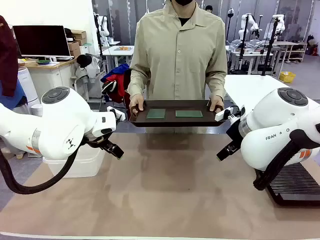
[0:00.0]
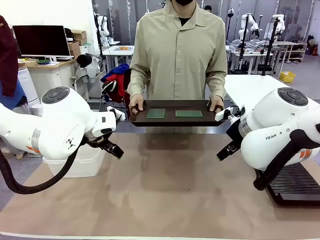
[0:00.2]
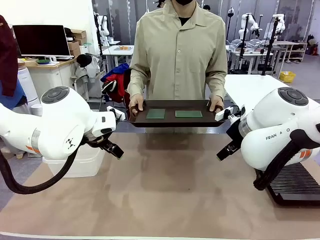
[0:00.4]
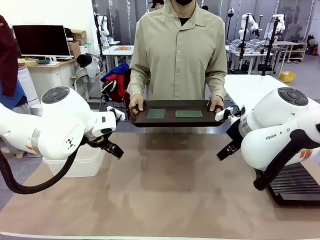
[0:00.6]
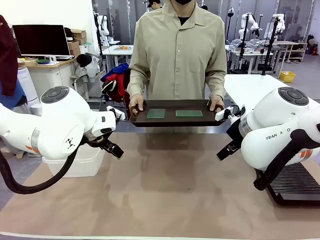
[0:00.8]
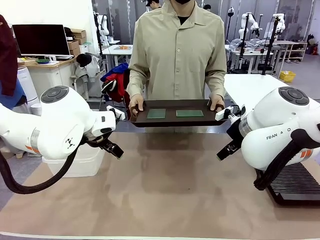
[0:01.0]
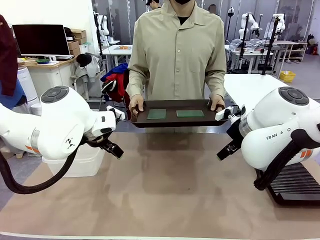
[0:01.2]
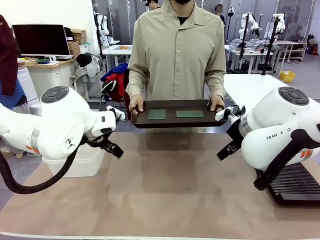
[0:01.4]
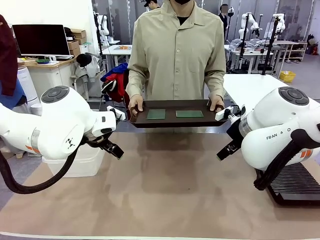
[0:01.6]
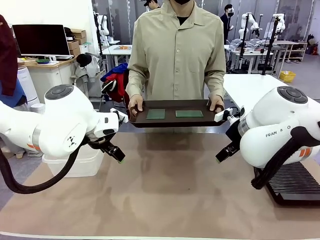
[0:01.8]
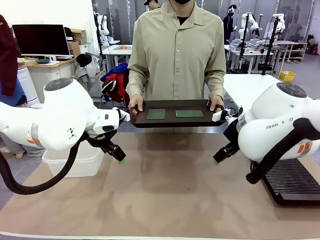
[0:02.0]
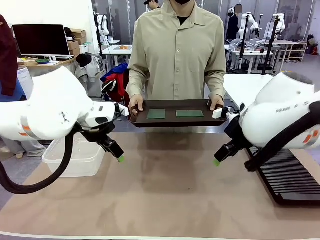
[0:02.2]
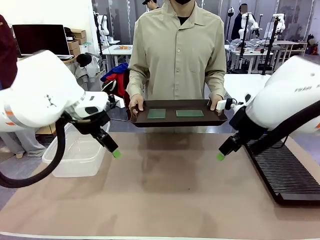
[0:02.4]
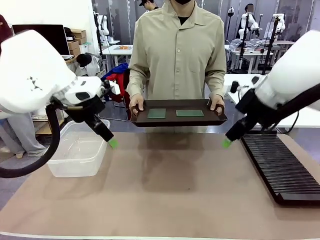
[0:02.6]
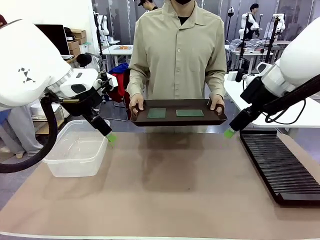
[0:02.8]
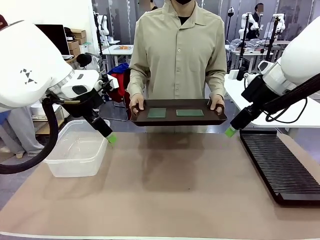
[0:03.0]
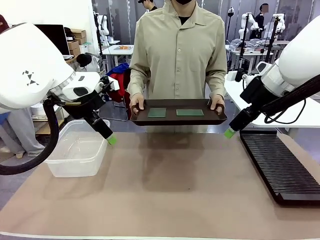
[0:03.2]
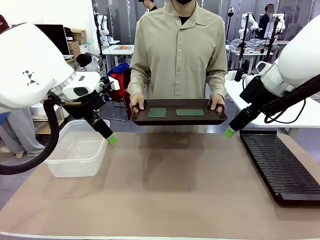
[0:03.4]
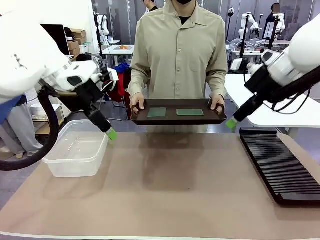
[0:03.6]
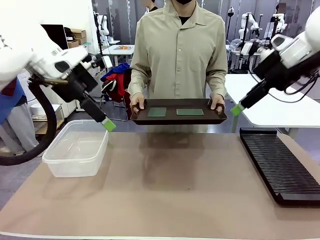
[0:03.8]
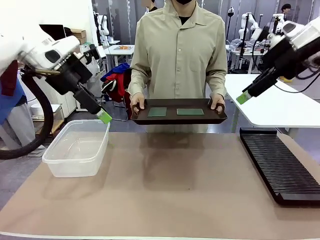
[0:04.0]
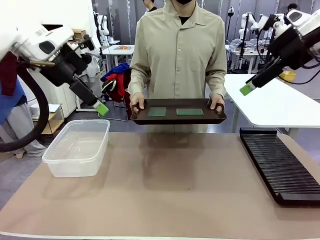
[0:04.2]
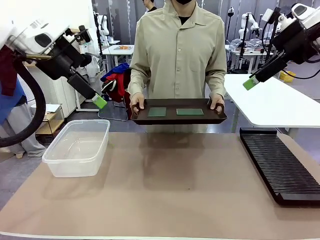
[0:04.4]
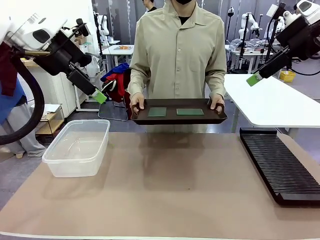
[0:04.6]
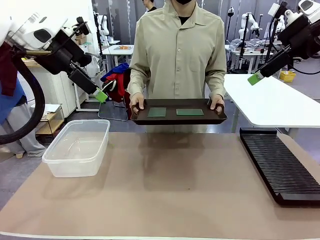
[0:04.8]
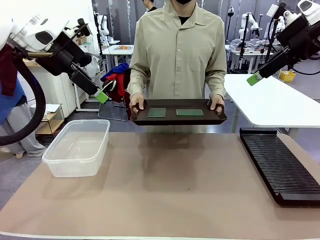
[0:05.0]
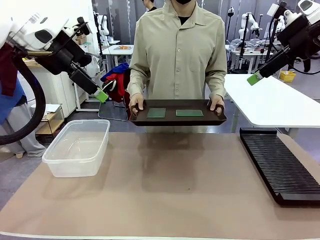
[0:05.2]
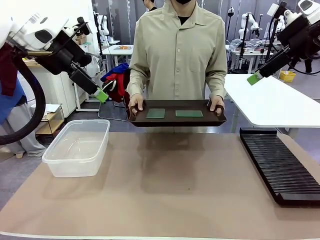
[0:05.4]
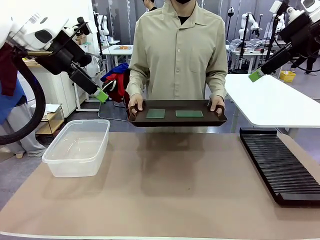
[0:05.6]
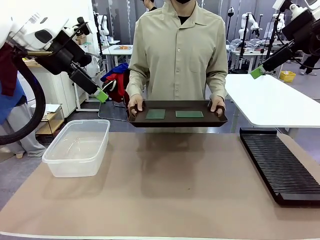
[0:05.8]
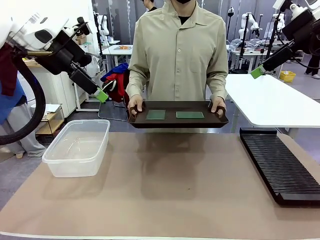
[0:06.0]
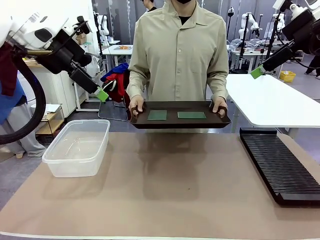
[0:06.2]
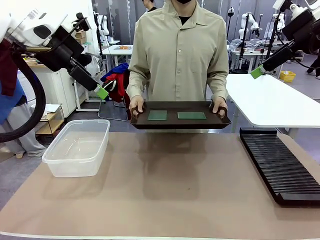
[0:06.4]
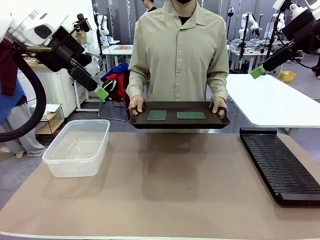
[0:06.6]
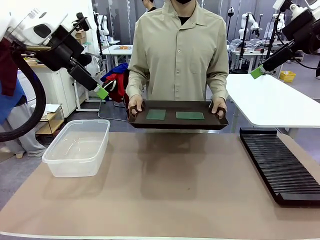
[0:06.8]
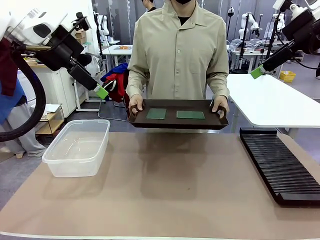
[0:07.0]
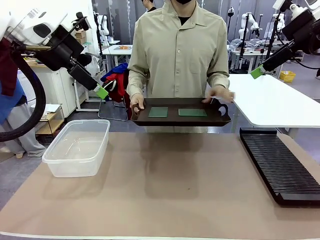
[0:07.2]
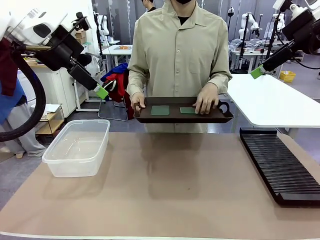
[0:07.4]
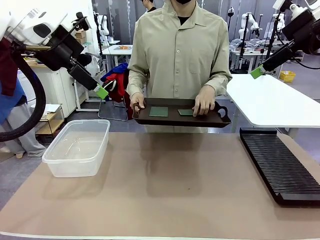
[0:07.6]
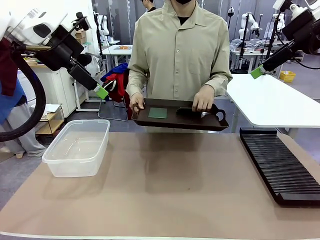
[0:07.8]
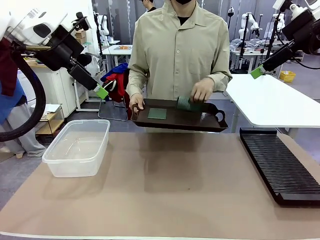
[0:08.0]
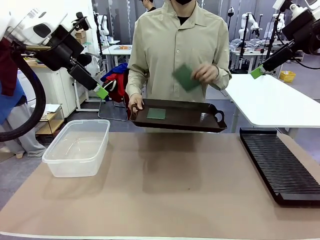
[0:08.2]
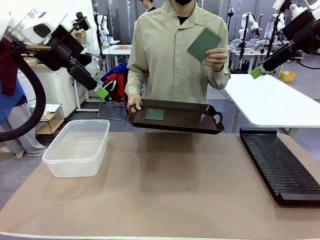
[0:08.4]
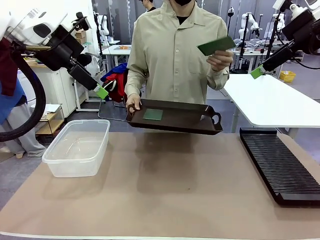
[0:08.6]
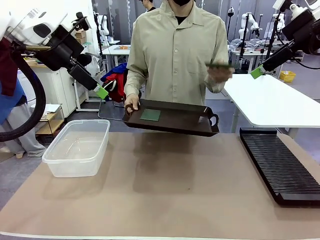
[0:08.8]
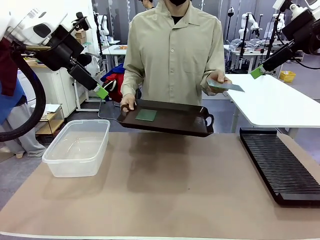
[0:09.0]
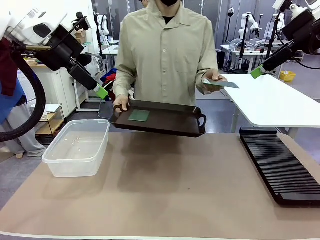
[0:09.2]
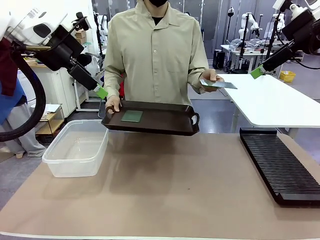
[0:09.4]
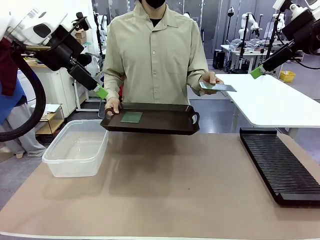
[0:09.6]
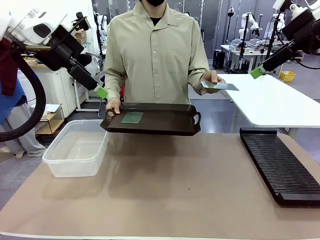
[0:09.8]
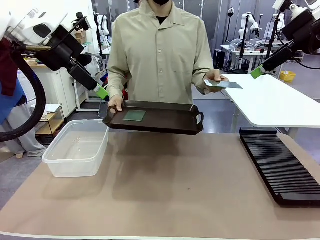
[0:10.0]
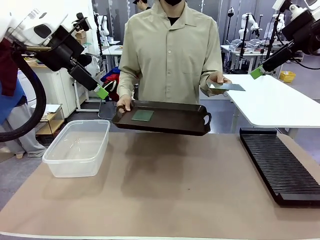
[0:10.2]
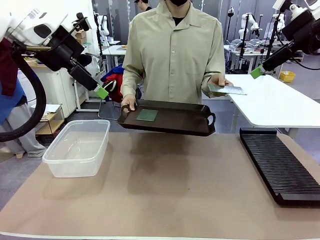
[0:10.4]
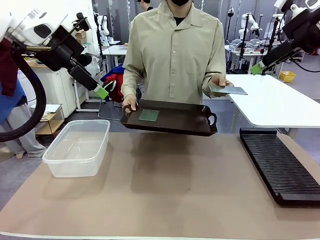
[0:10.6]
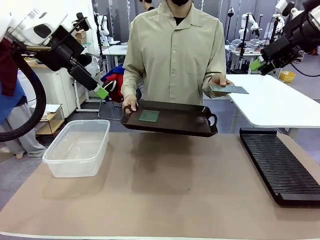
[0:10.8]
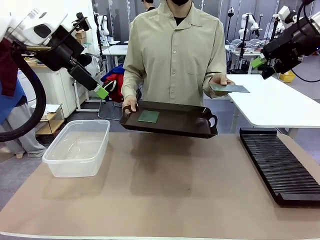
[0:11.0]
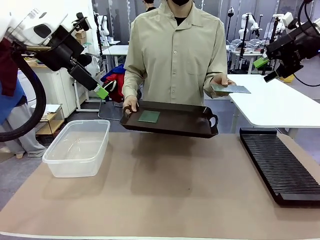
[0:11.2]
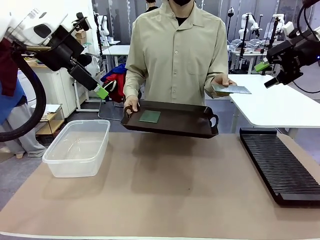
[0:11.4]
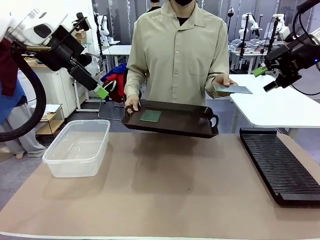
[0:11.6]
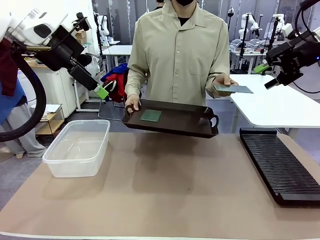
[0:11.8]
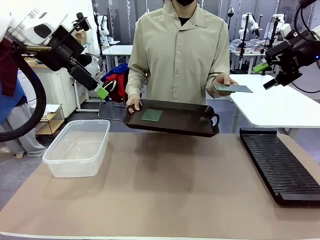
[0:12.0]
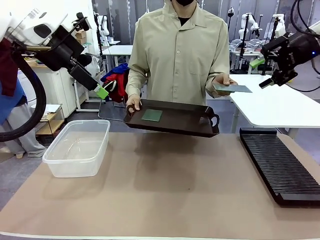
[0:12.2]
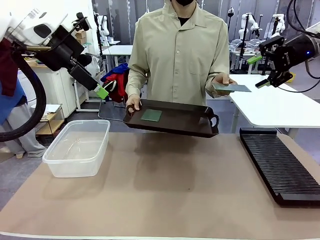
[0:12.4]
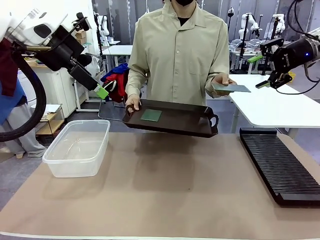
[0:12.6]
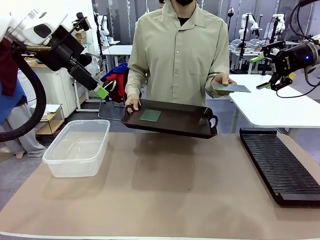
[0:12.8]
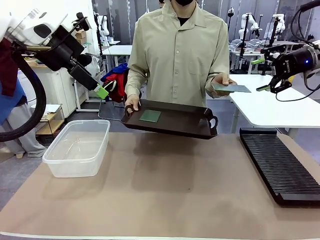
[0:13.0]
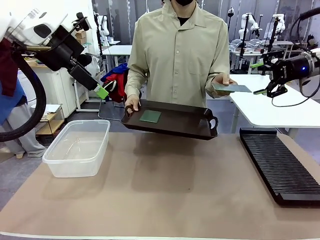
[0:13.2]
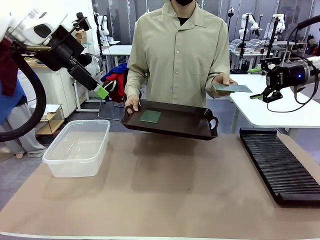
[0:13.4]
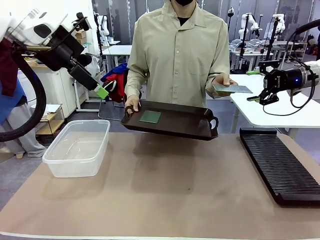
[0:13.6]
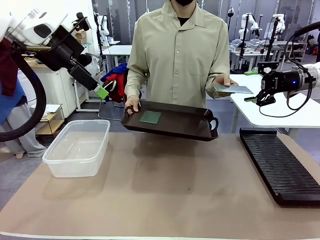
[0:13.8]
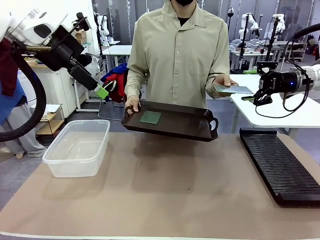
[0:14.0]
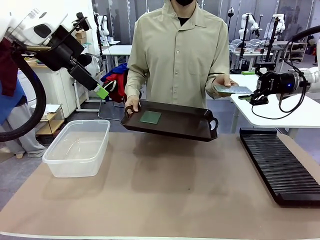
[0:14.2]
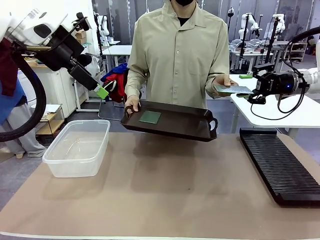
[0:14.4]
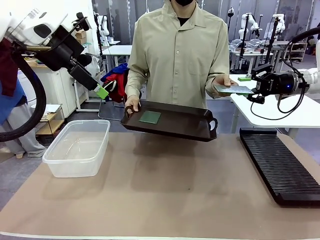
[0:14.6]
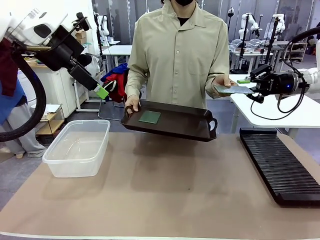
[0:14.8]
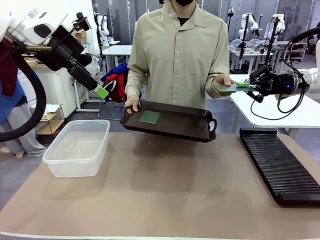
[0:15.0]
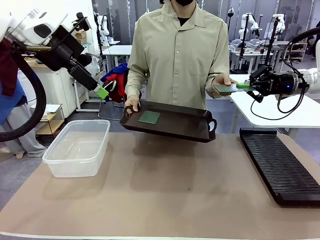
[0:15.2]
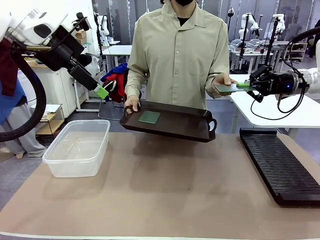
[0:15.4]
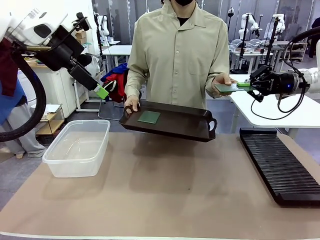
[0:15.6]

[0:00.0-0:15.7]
Task: Sort PCBs into racks and boxes based on the side picked up.
Robot: Pick up the Blank PCB handed by the Human.
Person: Pick one PCB from the tray and present it to the robot. Release the PCB being held.
